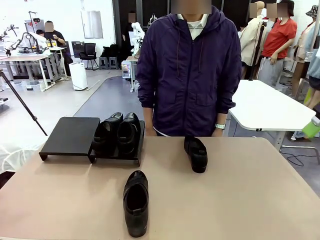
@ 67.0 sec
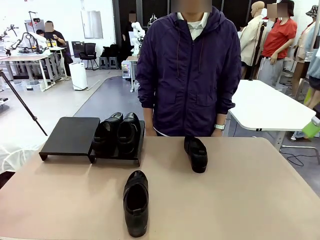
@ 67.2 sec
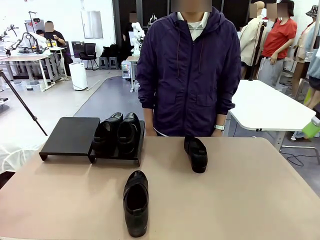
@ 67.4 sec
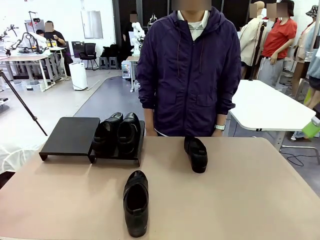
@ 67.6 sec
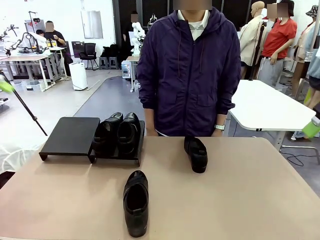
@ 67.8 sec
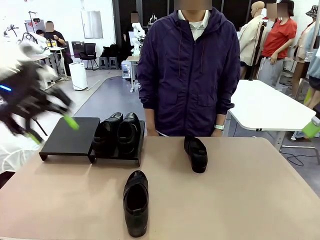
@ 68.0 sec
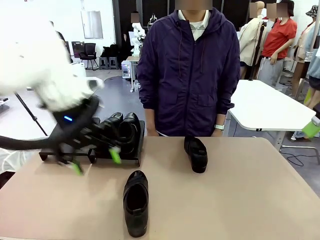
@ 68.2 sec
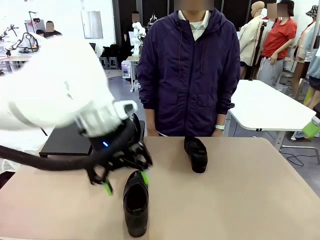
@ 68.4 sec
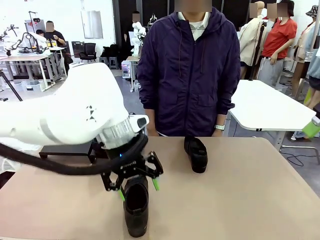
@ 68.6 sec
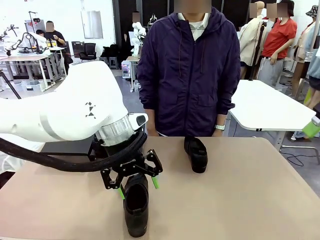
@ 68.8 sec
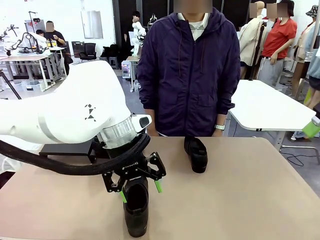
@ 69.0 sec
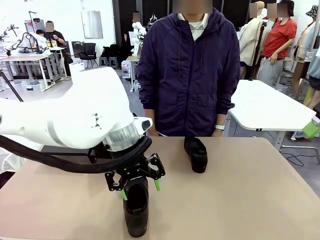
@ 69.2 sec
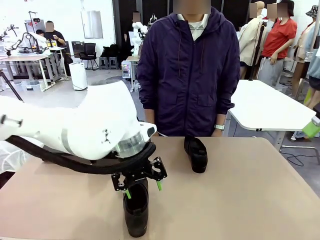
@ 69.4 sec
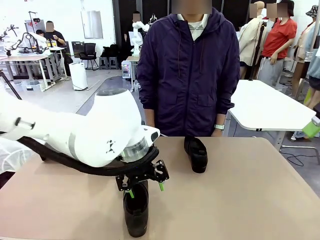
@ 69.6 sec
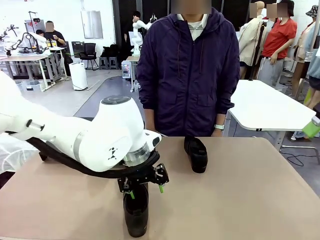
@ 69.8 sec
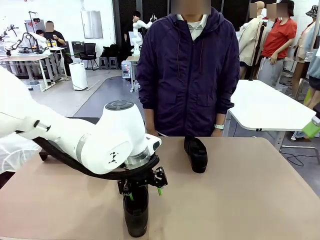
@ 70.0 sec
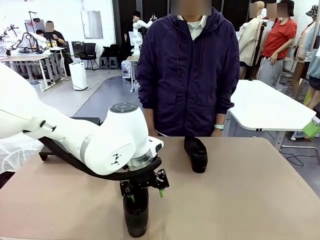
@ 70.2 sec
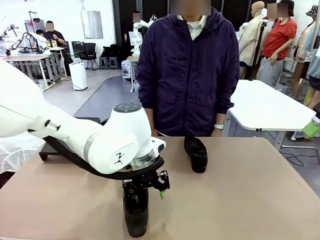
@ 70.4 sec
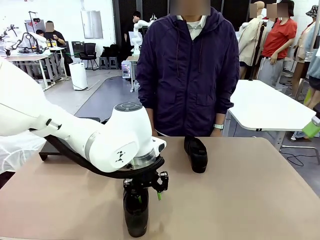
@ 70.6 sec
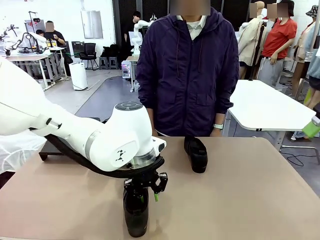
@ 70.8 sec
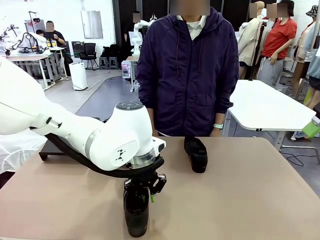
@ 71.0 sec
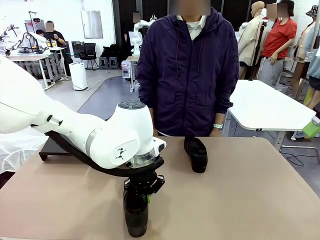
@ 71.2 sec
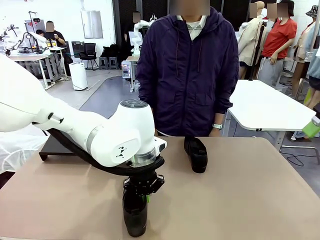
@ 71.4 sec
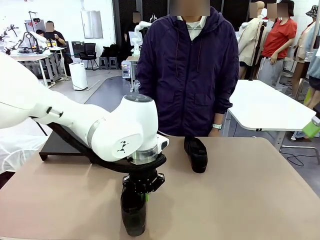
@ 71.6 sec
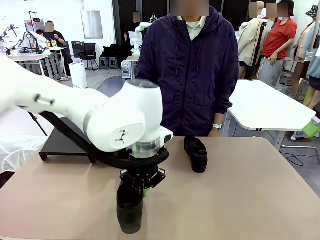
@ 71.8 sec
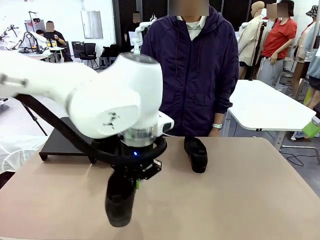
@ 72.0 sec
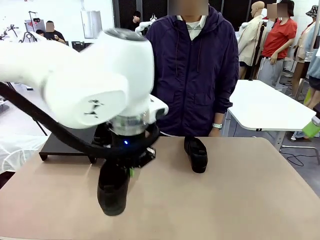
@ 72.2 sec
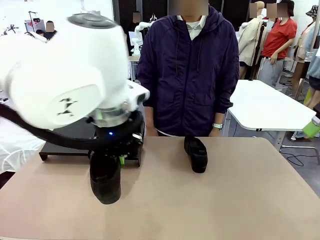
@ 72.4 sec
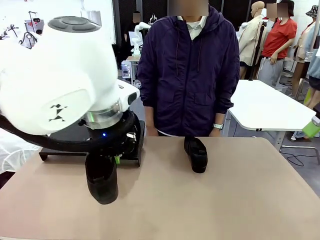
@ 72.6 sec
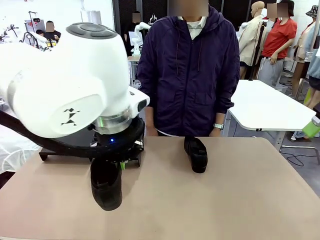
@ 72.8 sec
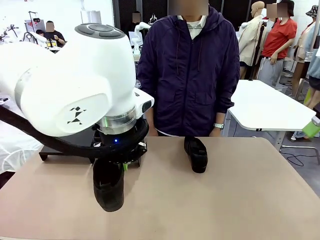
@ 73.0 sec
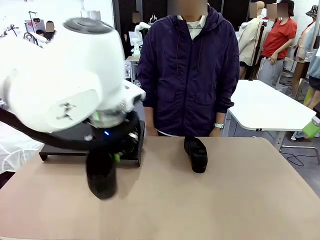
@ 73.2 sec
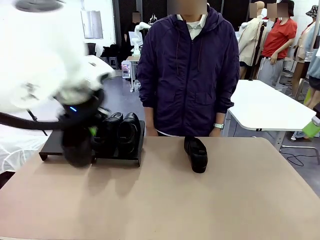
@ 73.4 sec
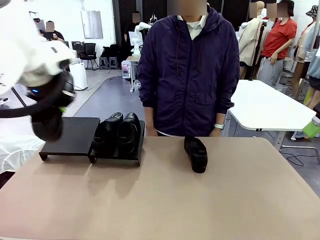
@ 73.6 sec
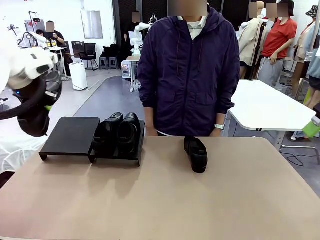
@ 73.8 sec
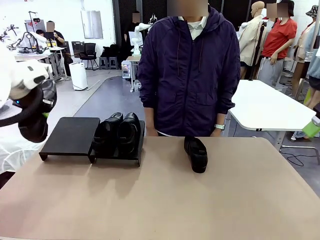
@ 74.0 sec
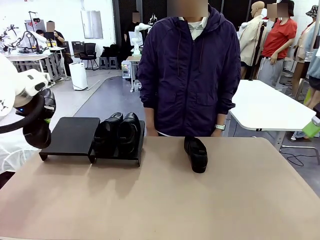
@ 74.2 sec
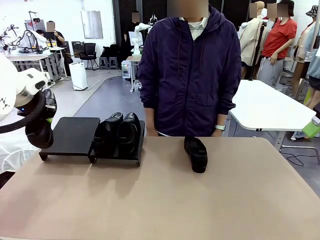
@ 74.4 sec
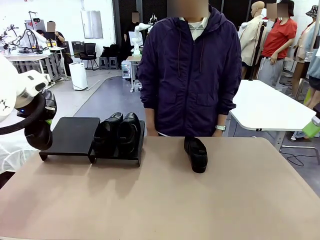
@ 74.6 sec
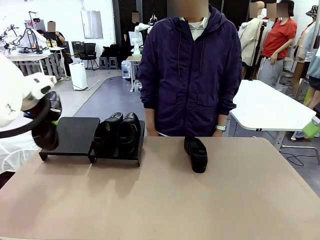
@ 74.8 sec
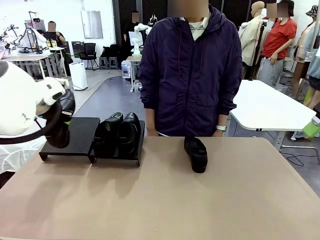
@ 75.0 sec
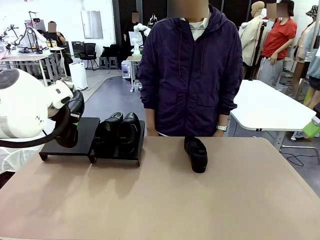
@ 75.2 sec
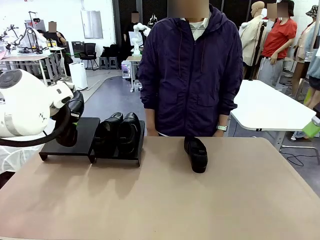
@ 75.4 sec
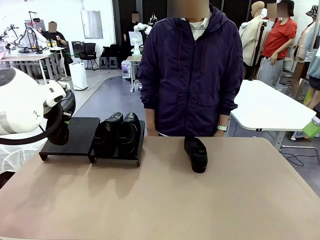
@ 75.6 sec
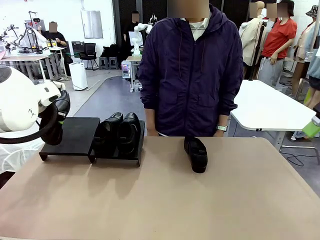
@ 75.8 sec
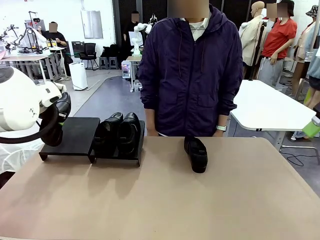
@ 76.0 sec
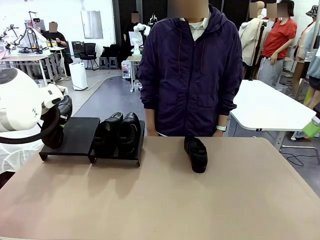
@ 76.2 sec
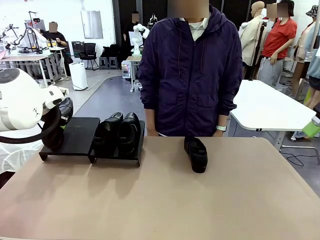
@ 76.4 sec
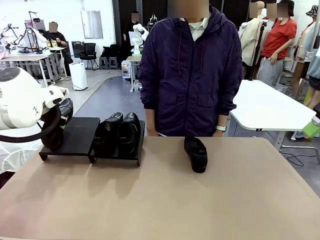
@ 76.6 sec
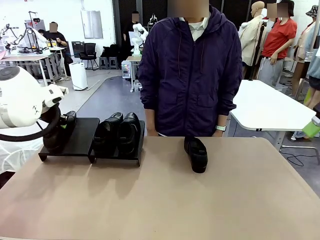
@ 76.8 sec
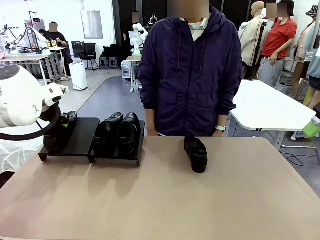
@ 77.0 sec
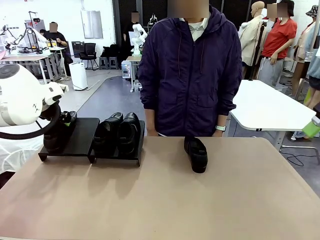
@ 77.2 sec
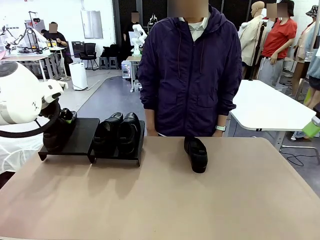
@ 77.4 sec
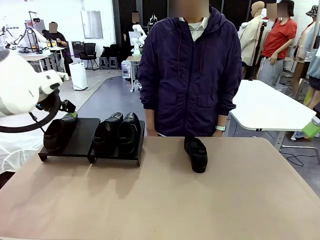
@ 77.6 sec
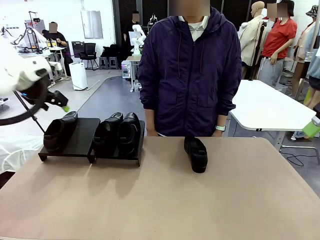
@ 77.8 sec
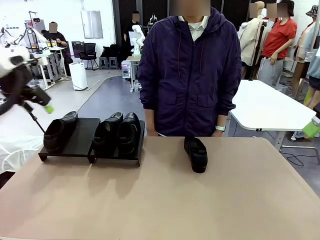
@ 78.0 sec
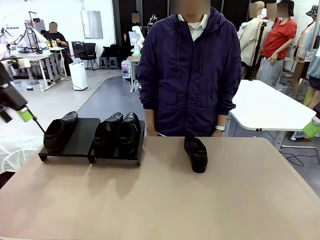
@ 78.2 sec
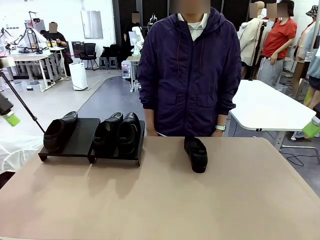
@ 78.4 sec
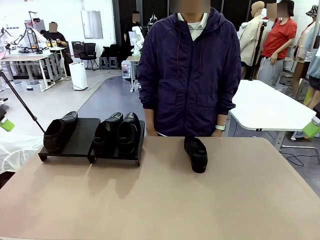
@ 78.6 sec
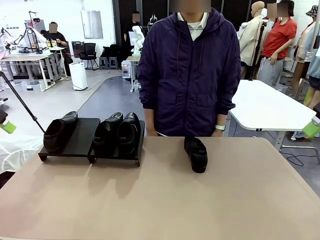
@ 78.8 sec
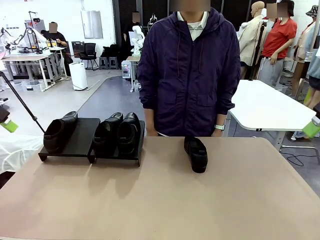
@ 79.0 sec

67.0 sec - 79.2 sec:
Task: Organize the shoes by placing them on the stand.
Robot: Place the Shoe from the middle of the table onto the Shoes Stand.

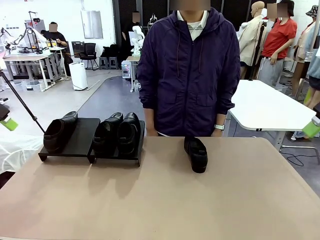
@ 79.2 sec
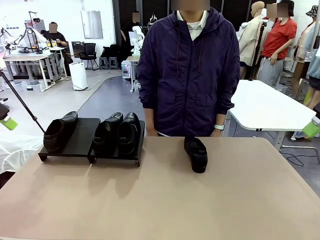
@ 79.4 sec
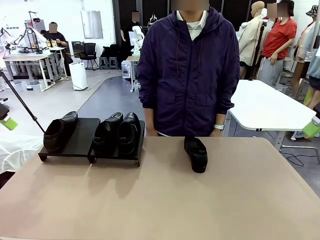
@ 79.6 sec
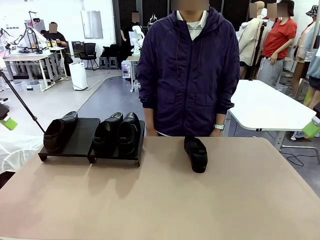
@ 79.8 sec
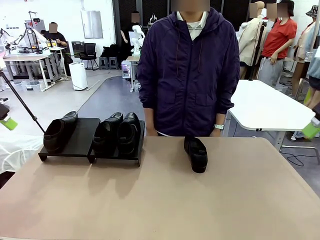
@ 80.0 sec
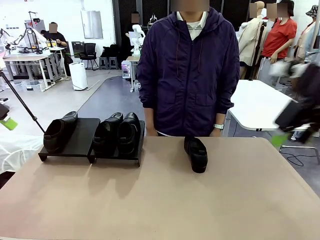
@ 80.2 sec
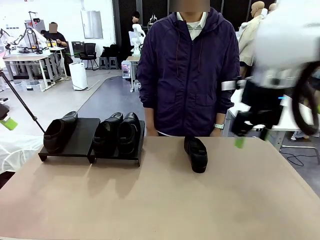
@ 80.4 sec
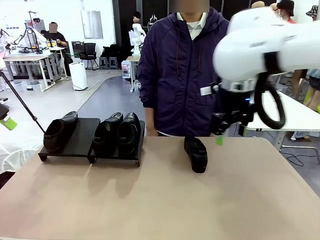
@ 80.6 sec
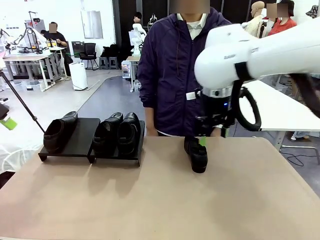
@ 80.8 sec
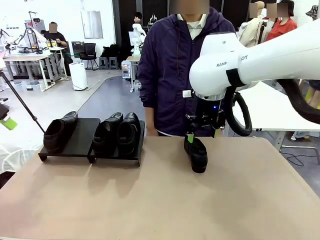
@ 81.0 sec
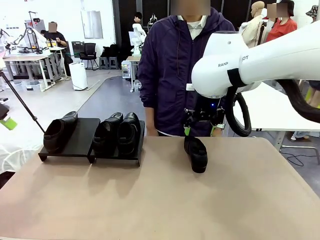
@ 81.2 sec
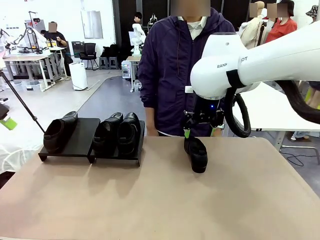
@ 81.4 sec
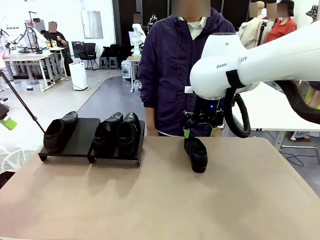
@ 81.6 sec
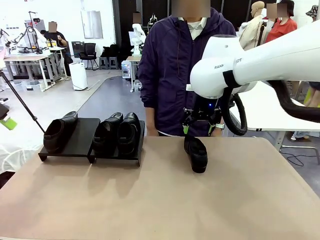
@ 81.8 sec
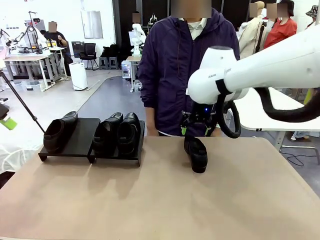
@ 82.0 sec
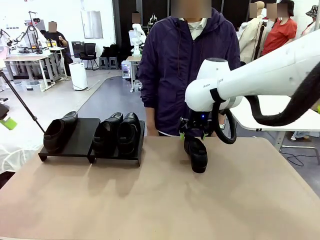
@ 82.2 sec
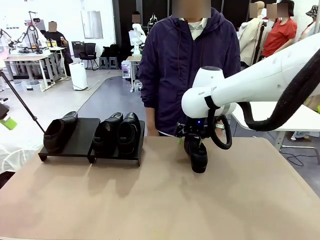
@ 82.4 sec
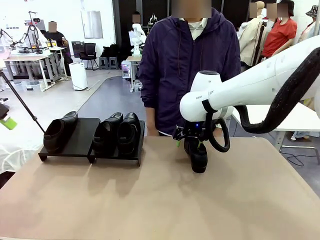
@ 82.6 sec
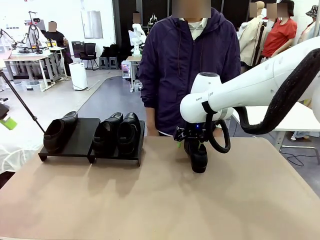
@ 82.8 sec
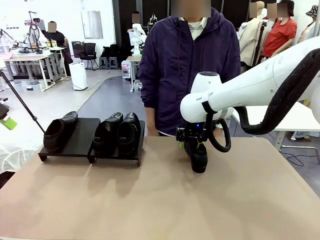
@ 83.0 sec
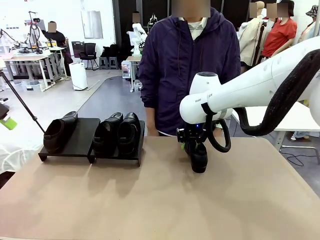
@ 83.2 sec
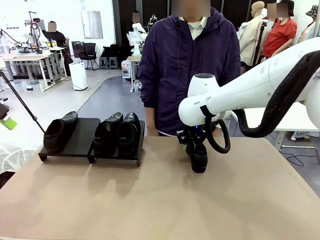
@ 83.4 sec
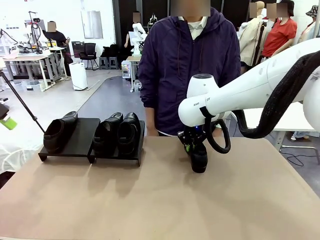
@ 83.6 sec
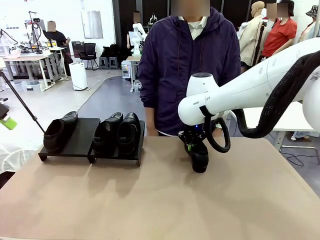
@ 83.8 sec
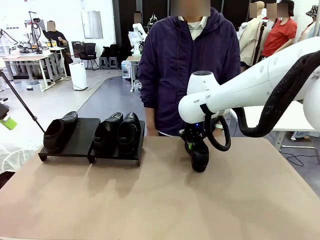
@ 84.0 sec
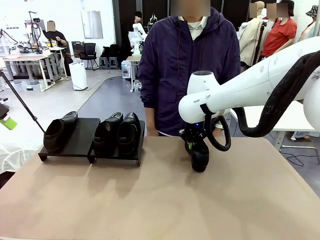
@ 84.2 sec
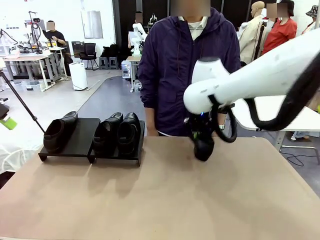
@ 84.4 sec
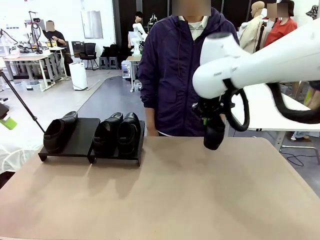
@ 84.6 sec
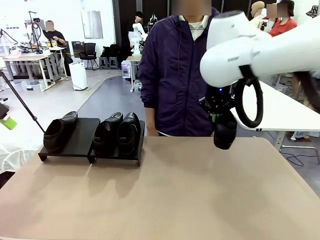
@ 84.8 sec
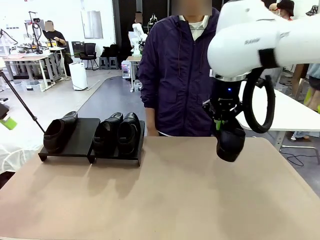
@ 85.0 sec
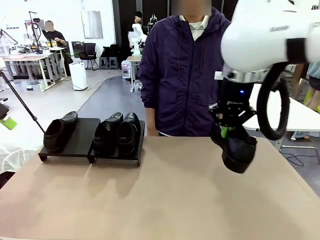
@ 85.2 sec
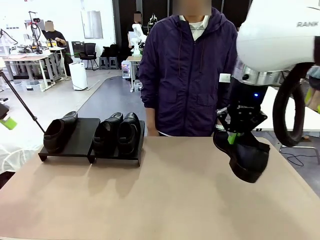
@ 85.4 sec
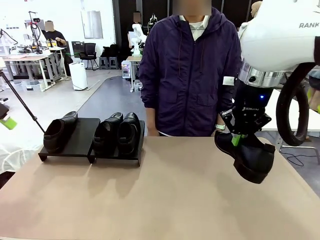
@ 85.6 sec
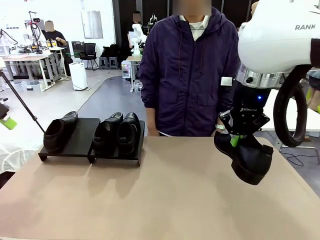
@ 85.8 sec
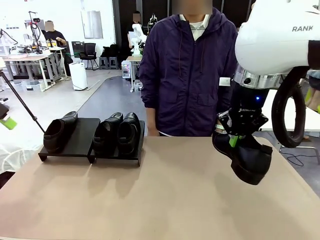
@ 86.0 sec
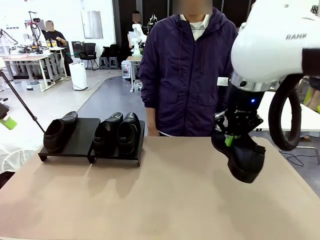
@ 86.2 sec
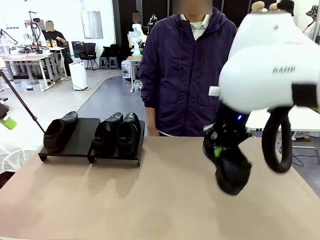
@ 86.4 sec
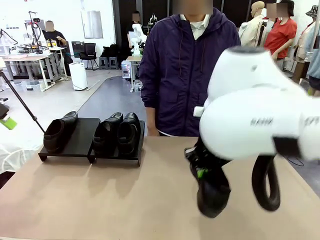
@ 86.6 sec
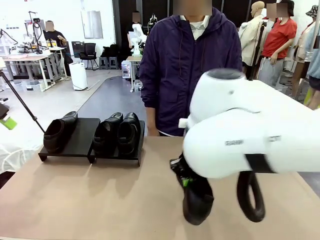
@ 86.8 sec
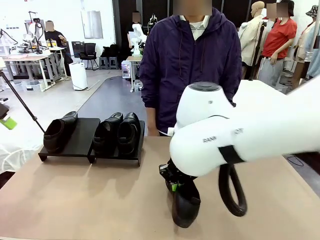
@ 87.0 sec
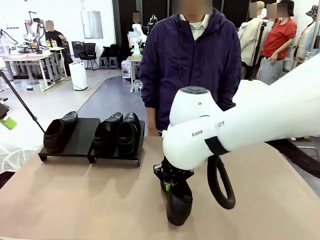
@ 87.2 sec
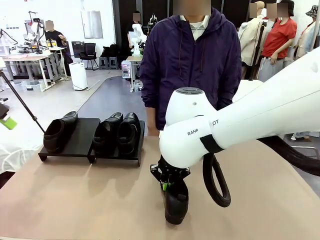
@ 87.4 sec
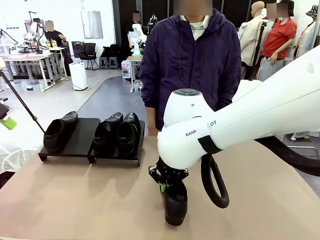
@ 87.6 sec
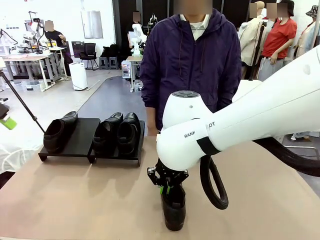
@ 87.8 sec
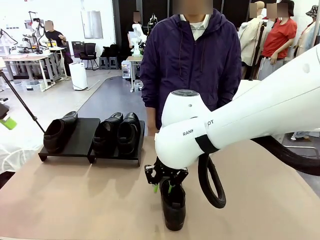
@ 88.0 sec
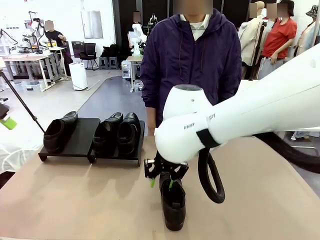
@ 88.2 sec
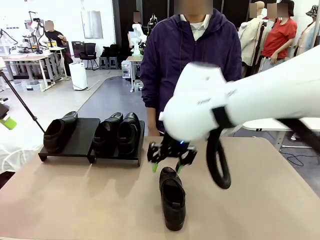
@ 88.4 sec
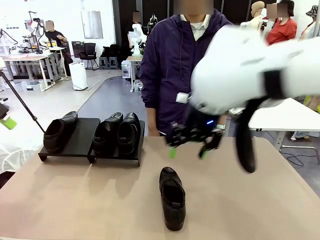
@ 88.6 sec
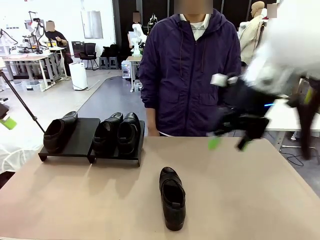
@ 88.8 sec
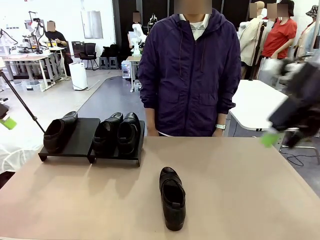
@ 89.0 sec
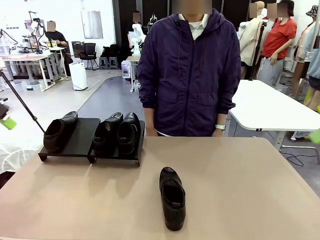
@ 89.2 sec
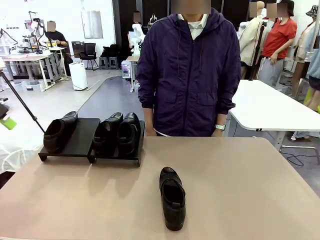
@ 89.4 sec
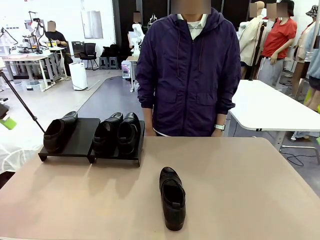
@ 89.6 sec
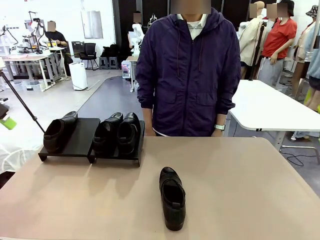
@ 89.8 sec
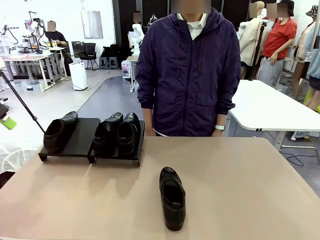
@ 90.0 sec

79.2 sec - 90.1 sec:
Robot: Pick up one Shoe and place it in the middle of the table.
